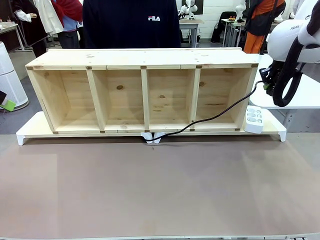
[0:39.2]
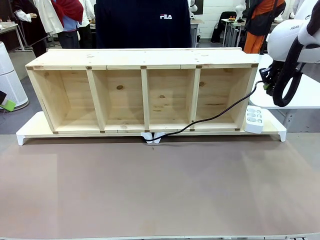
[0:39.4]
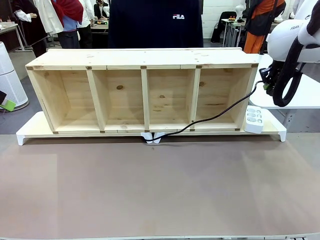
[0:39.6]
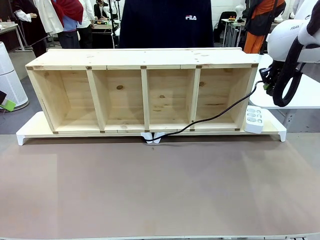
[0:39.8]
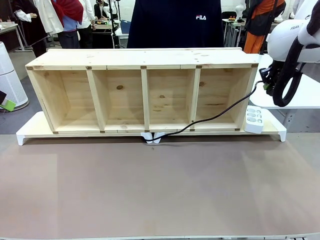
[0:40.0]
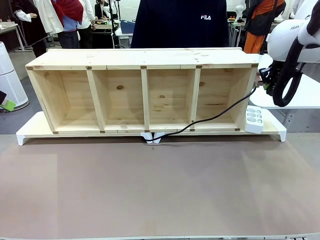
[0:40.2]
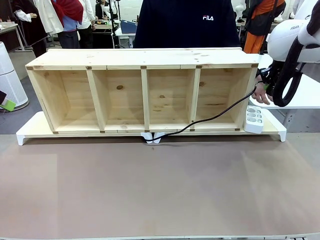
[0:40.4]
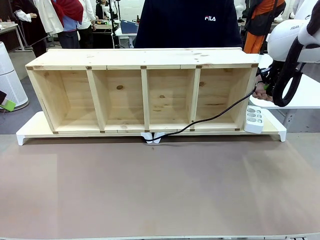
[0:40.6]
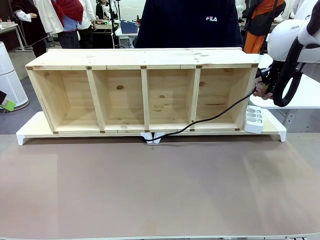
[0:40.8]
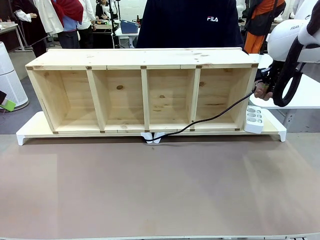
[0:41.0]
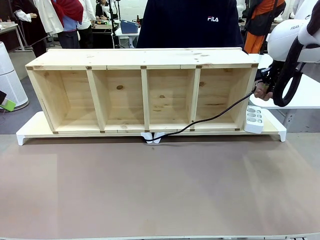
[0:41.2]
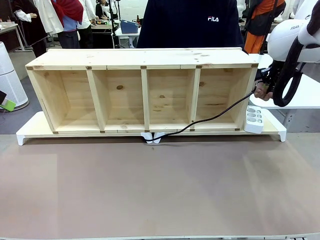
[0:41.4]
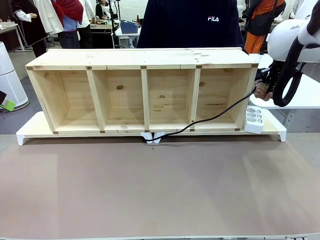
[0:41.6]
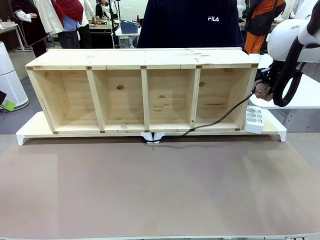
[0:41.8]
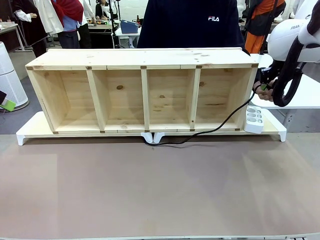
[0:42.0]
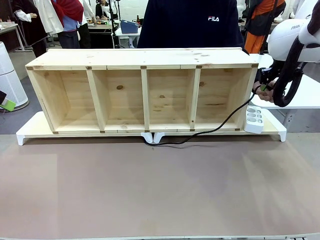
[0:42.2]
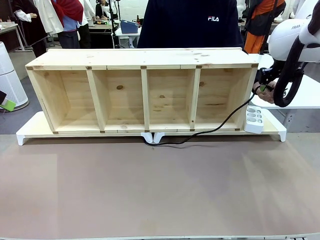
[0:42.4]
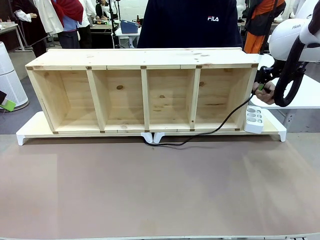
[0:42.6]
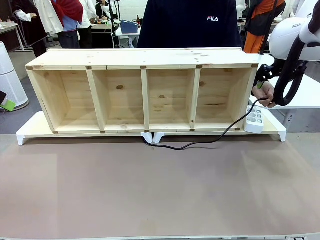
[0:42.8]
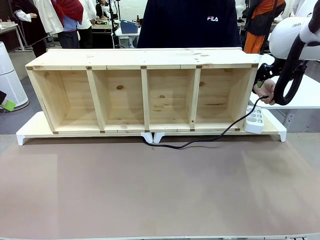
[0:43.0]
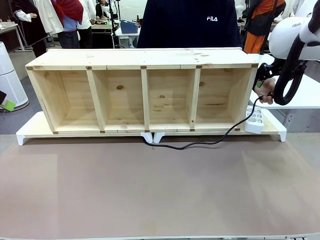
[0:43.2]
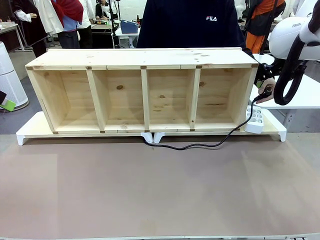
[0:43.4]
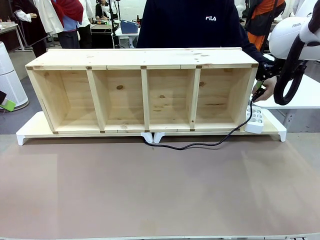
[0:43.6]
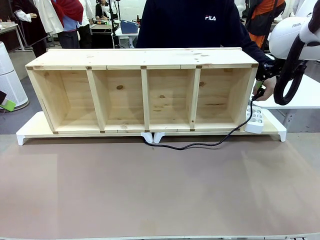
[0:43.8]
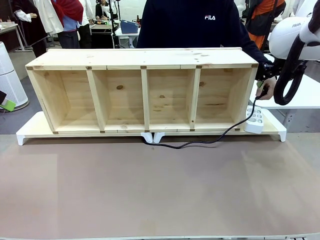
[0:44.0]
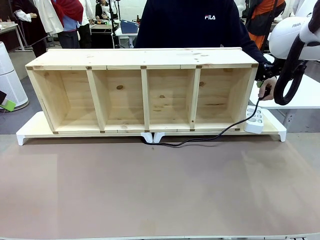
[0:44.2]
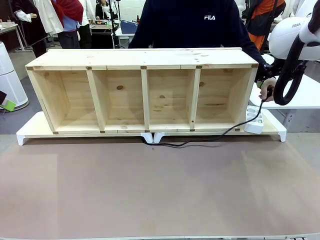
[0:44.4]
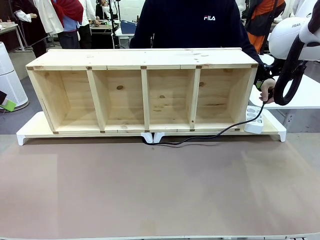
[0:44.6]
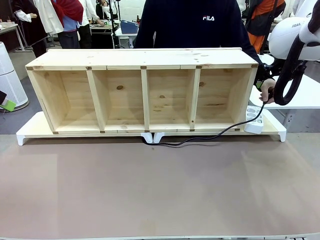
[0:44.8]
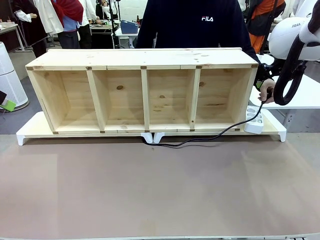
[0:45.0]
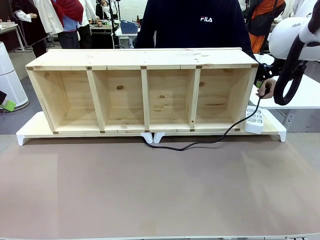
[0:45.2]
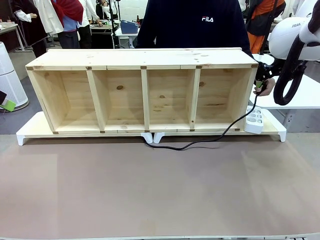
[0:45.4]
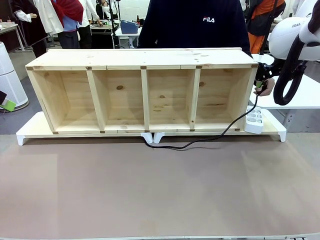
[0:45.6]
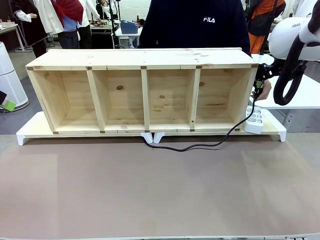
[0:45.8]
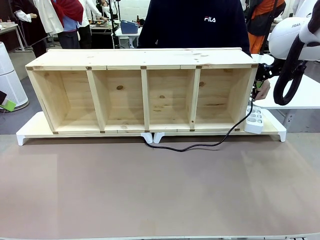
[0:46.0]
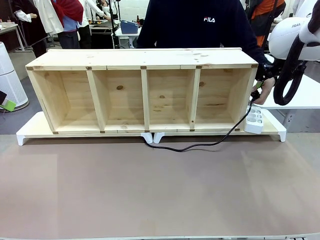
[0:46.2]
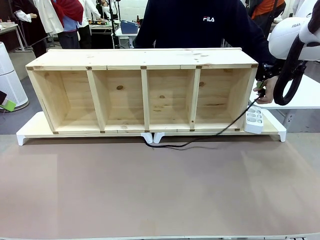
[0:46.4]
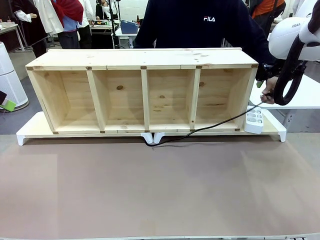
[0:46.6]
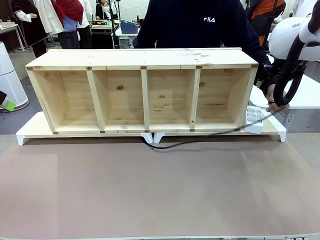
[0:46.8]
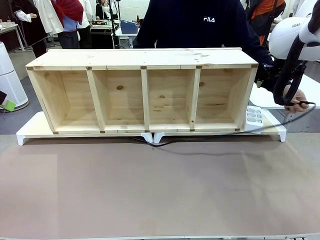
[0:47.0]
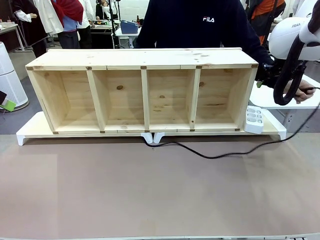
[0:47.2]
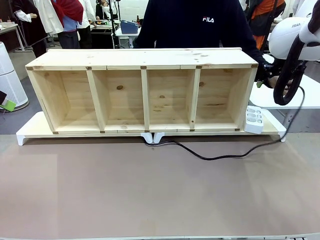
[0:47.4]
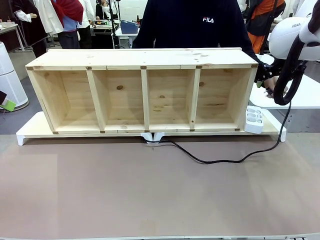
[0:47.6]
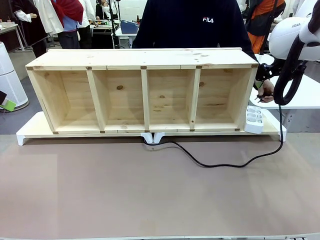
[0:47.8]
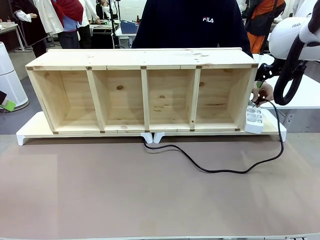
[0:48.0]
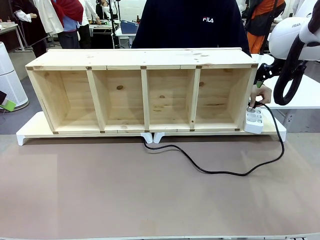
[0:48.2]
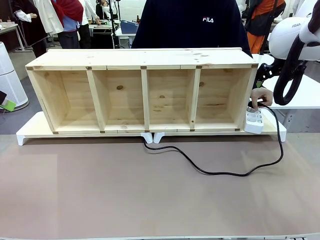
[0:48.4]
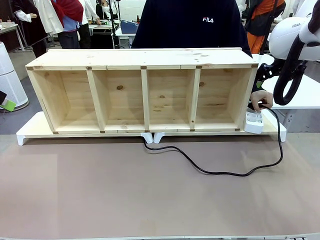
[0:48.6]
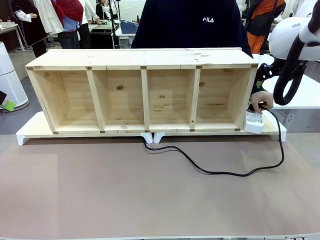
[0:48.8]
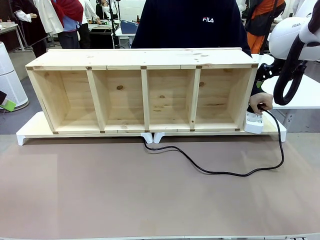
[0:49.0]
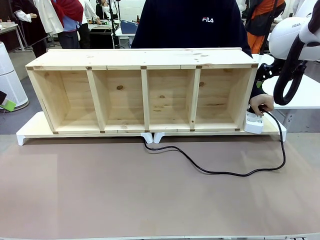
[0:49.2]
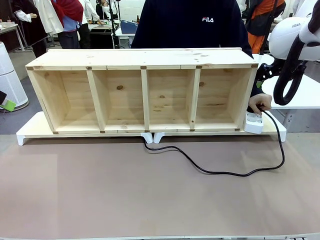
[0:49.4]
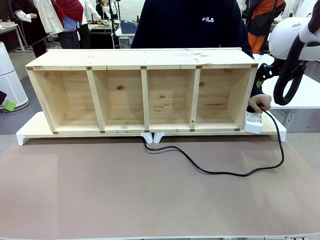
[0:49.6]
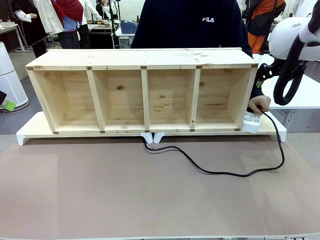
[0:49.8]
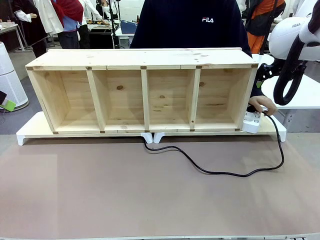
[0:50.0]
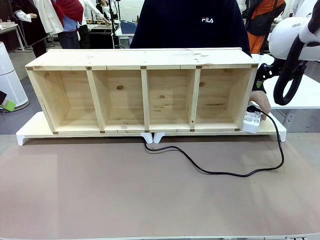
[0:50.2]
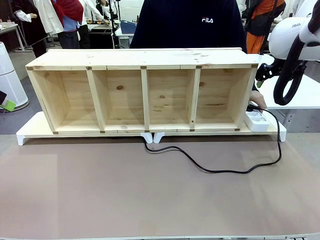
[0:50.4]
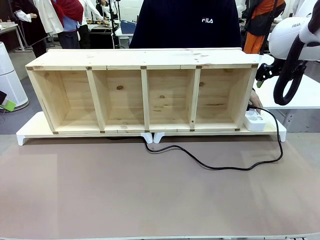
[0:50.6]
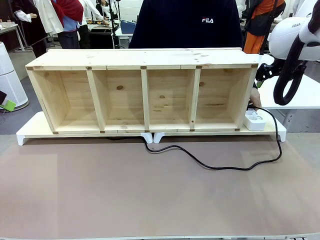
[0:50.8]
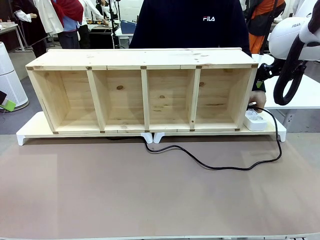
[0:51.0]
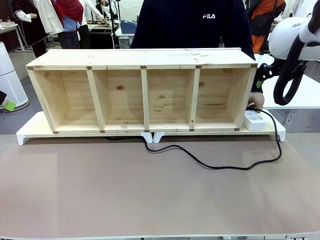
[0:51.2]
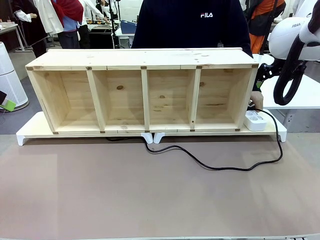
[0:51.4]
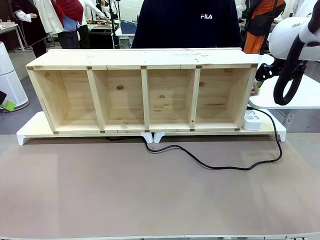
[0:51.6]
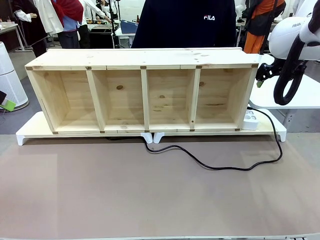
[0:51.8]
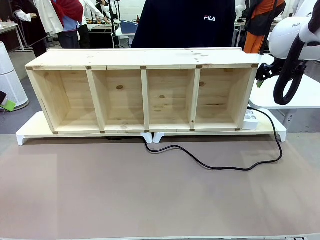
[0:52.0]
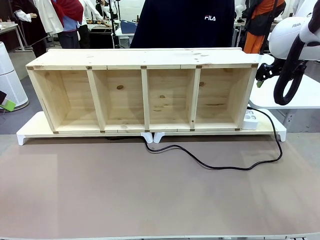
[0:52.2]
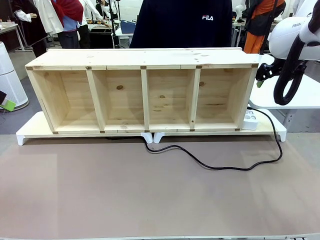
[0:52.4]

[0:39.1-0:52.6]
Task: Perform cable management.
Robot: Release the Power Cable when the human grasps it.
Person: Plug the Power Cable into the Power Strip.

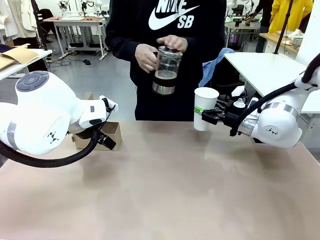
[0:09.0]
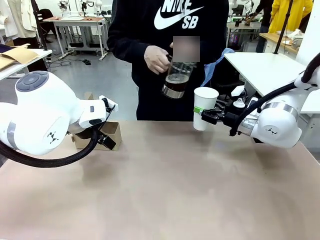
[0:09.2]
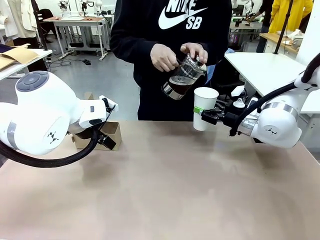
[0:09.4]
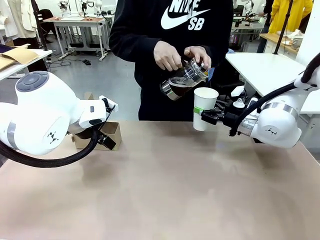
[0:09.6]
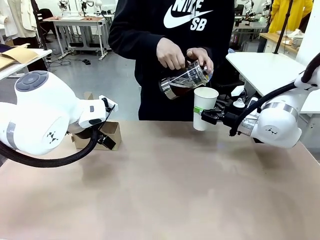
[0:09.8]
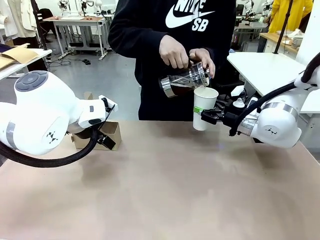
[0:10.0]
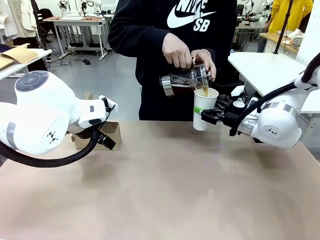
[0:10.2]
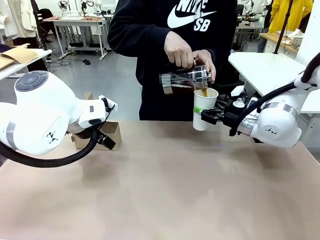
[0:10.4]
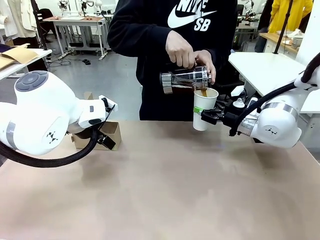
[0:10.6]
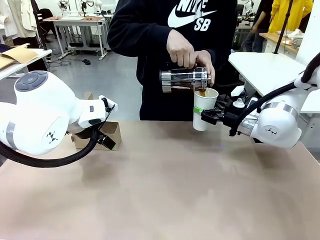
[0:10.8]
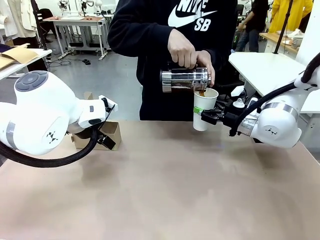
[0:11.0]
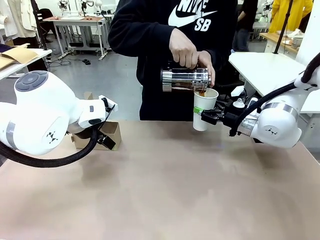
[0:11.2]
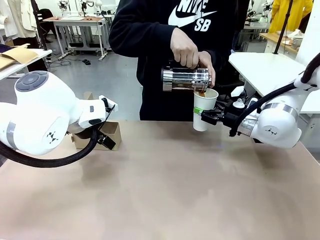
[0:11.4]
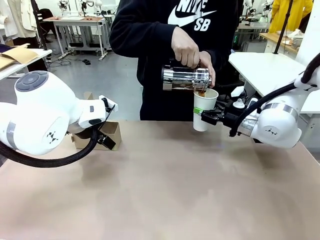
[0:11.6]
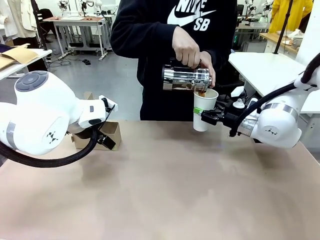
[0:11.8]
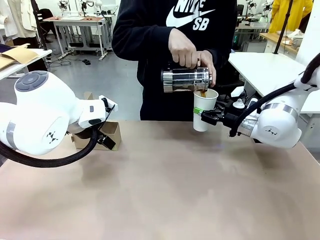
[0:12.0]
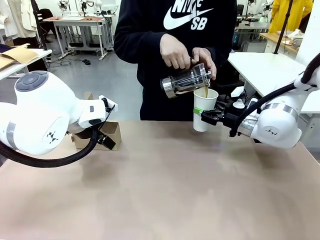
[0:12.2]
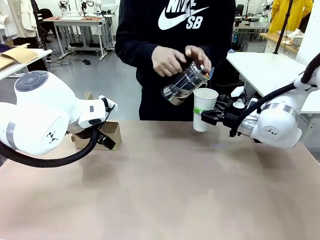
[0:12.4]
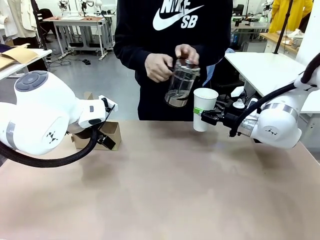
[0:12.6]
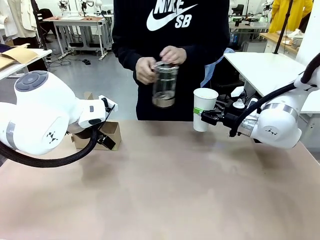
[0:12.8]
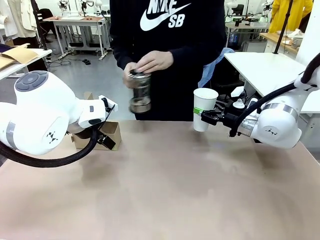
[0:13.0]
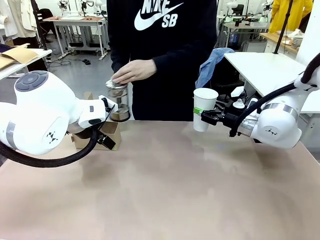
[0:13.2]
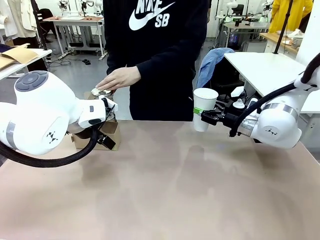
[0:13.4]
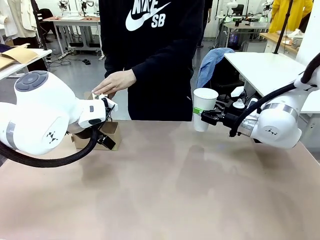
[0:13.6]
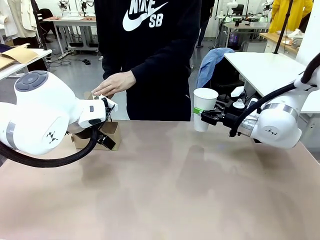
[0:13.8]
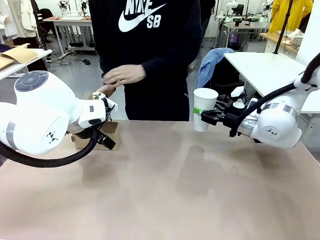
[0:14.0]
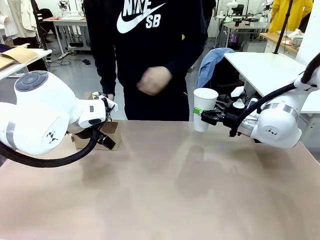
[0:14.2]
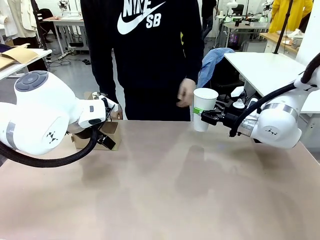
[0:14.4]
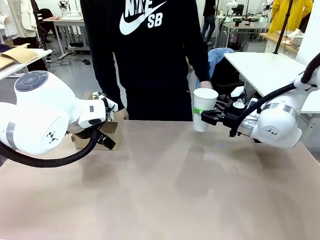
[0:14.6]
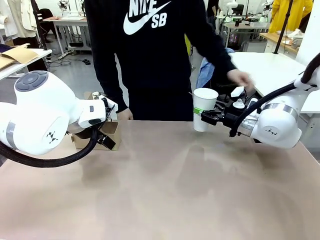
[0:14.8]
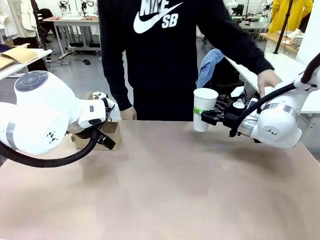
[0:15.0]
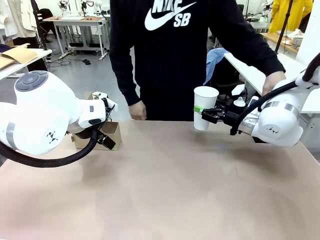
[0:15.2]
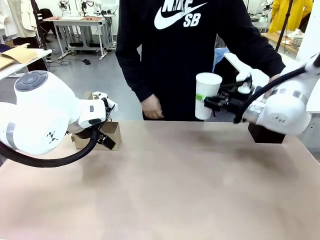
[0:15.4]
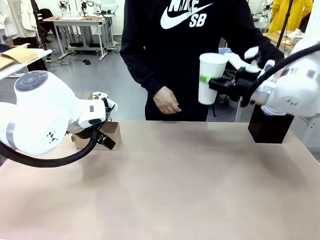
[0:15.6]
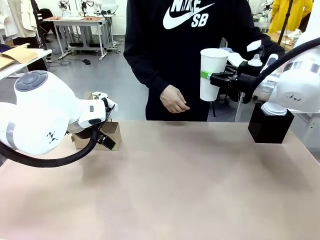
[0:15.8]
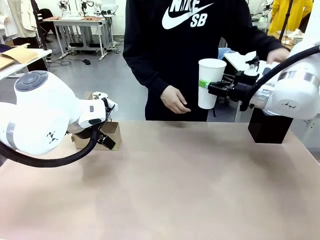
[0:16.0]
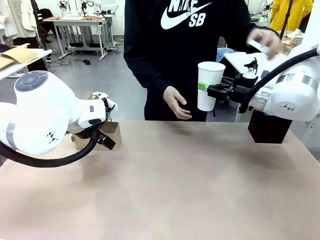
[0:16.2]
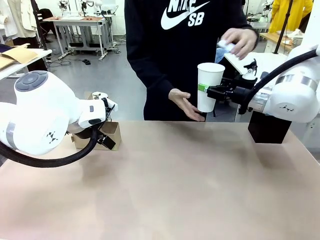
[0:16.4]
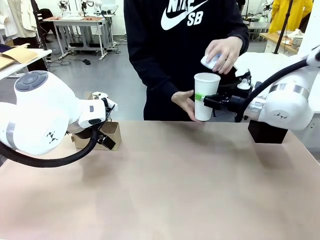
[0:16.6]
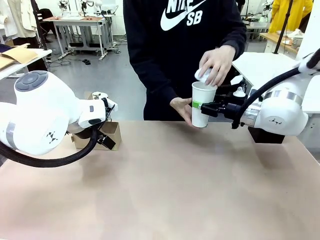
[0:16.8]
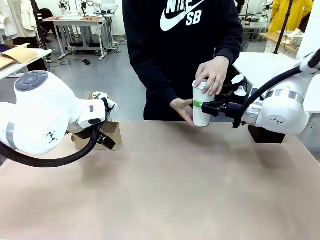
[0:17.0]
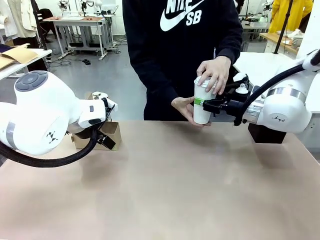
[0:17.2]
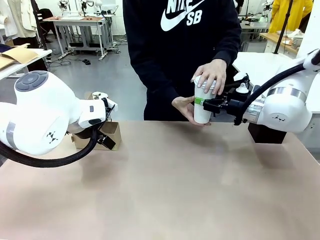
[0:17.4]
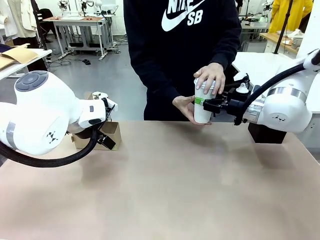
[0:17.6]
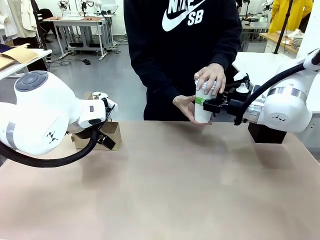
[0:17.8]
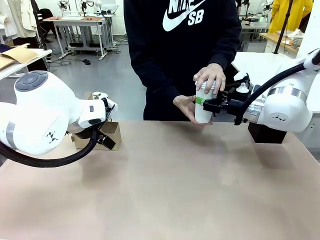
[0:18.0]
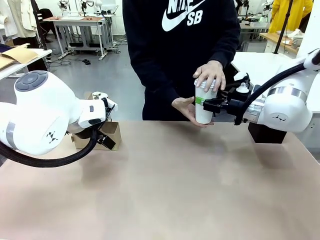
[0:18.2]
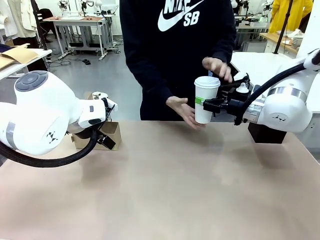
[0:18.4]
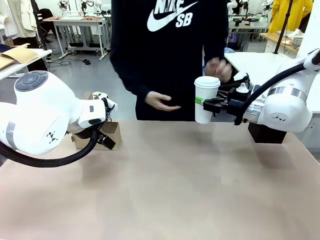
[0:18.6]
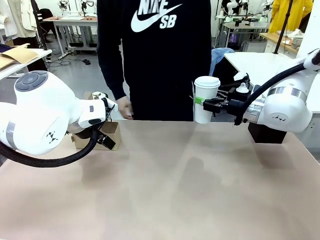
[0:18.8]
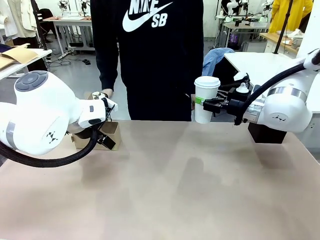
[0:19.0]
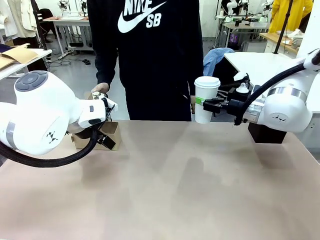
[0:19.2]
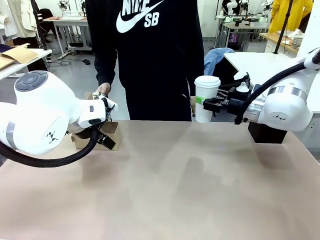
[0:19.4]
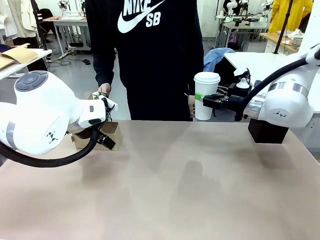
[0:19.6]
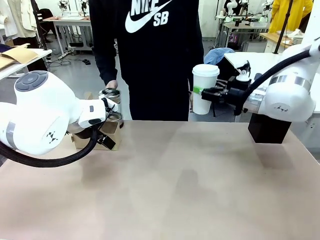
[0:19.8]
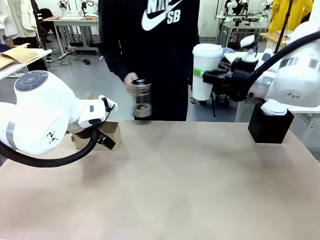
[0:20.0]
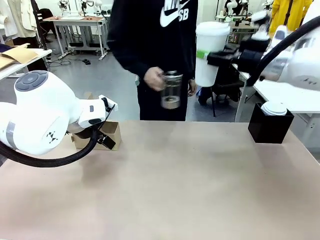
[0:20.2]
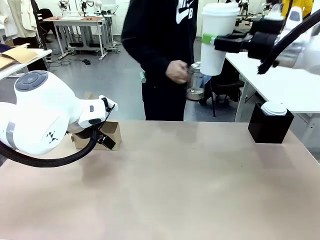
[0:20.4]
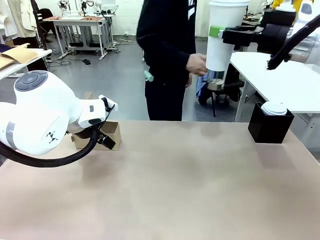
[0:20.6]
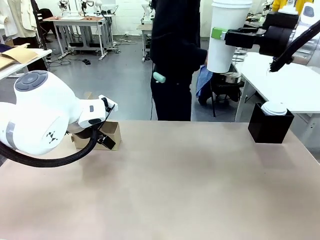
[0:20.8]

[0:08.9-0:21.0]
Task: Pour a drink into a cup and package it in a carrier.
Robot: When a person places the Paper Cup Lid on the 600 ml Paper Cup , lift the 600 ml Paper Cup.
Person: Pour the drink from the Filter Brewing into the 600 ml Paper Cup. Place a Paper Cup Lid on the 600 ml Paper Cup.
